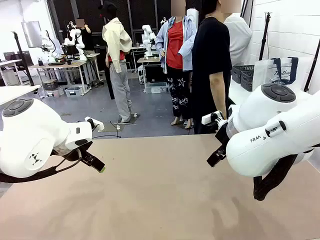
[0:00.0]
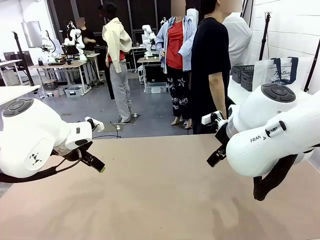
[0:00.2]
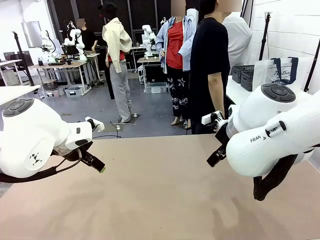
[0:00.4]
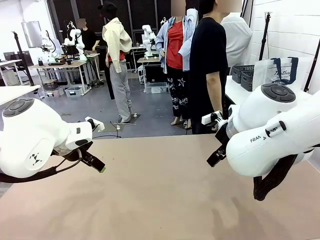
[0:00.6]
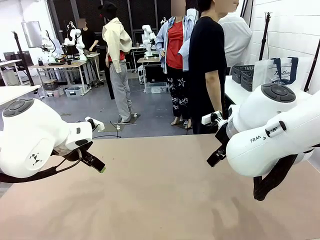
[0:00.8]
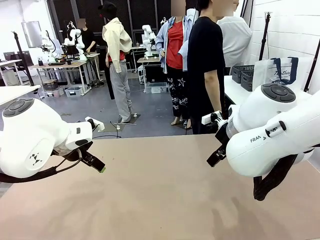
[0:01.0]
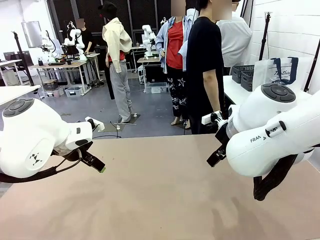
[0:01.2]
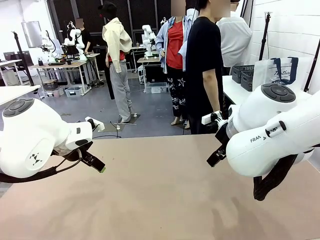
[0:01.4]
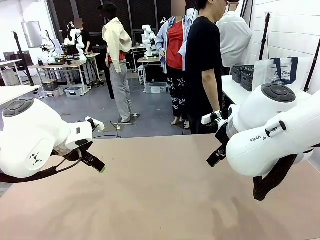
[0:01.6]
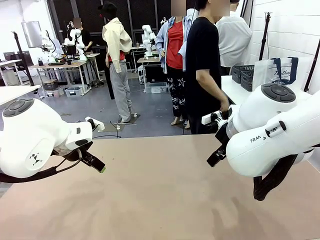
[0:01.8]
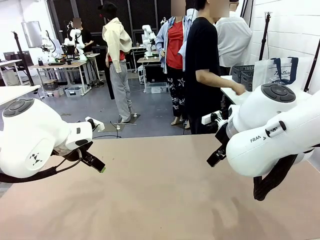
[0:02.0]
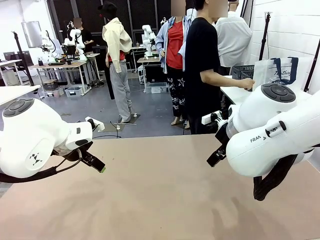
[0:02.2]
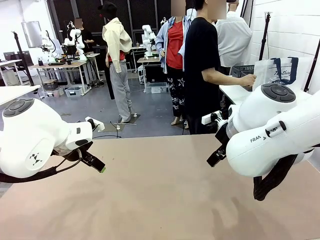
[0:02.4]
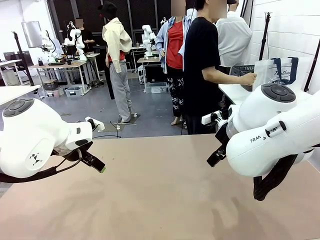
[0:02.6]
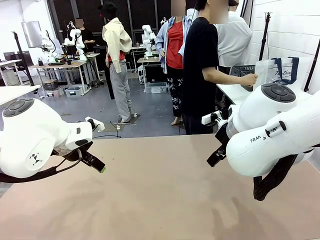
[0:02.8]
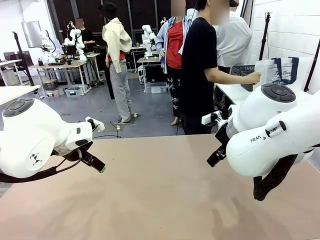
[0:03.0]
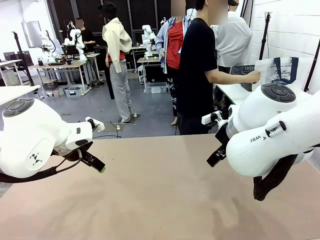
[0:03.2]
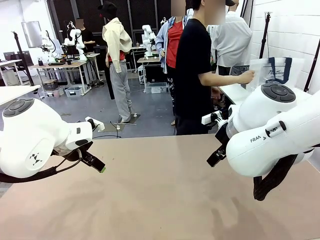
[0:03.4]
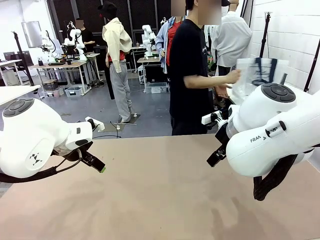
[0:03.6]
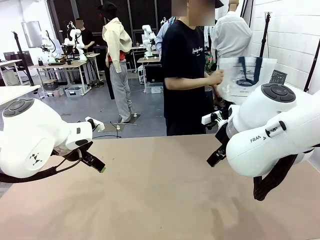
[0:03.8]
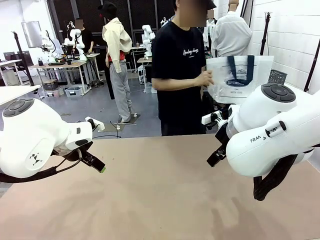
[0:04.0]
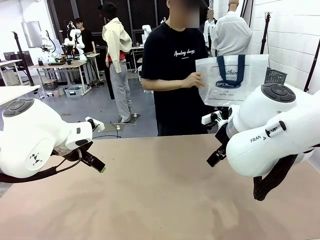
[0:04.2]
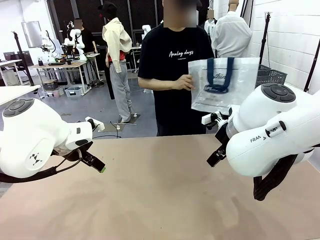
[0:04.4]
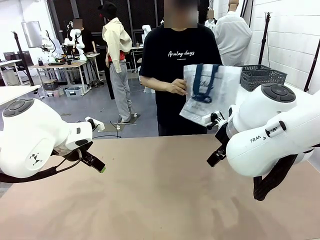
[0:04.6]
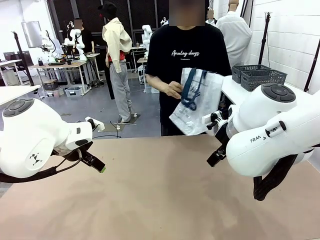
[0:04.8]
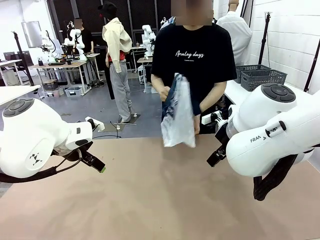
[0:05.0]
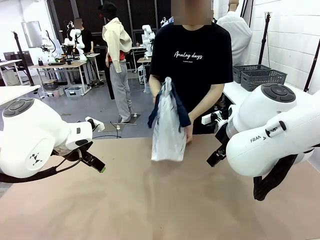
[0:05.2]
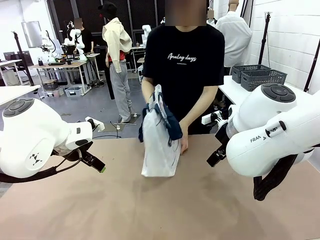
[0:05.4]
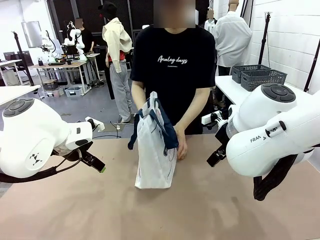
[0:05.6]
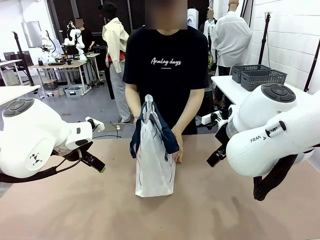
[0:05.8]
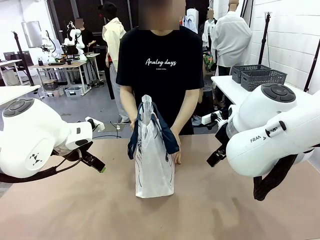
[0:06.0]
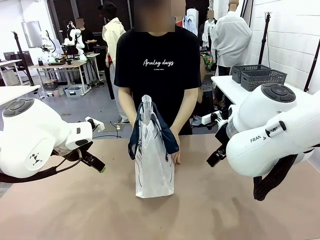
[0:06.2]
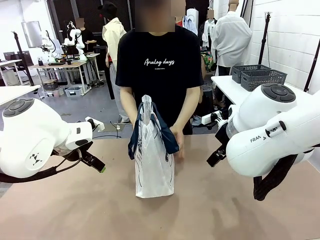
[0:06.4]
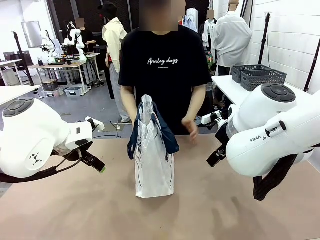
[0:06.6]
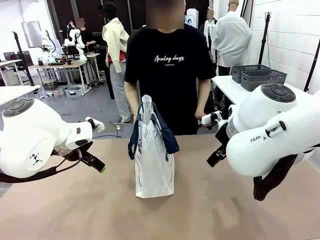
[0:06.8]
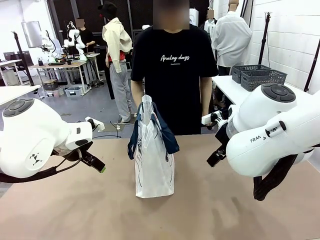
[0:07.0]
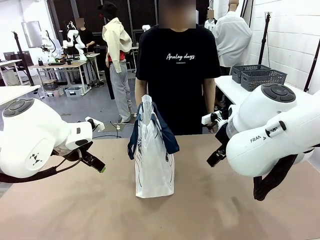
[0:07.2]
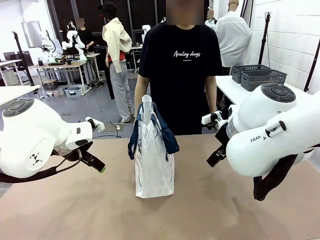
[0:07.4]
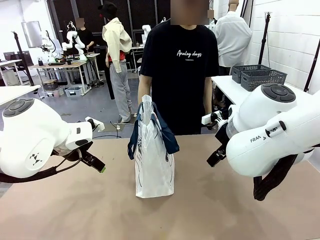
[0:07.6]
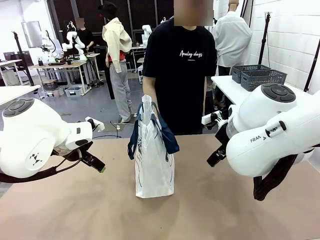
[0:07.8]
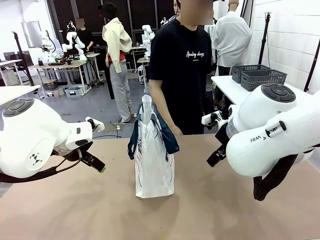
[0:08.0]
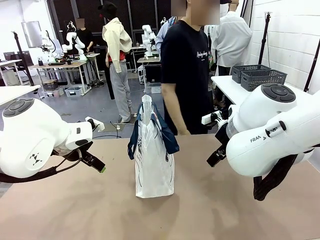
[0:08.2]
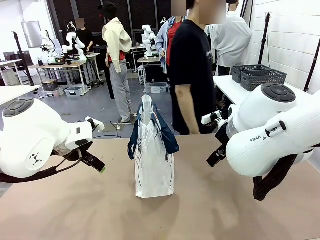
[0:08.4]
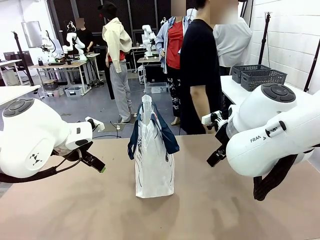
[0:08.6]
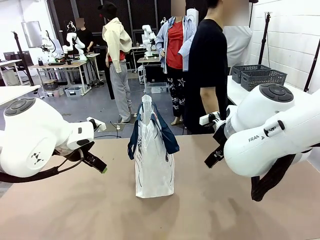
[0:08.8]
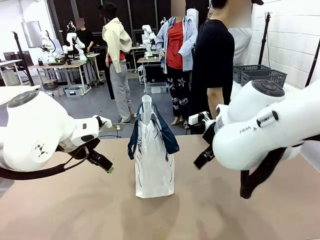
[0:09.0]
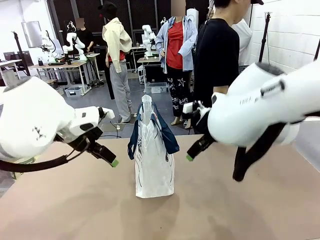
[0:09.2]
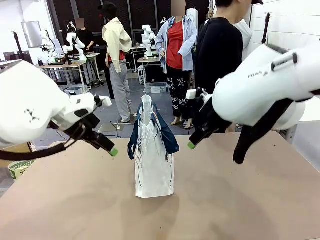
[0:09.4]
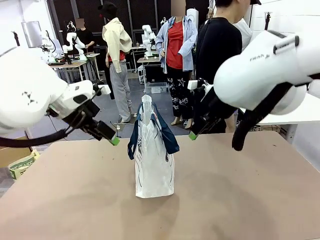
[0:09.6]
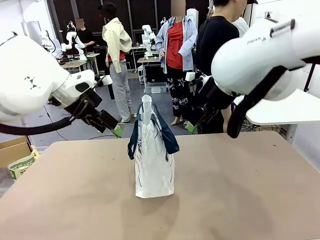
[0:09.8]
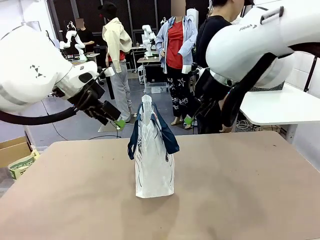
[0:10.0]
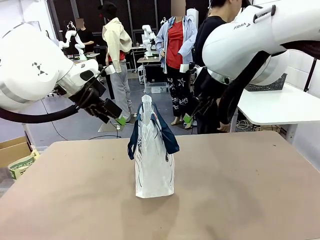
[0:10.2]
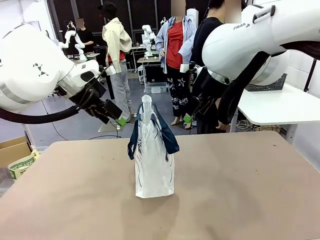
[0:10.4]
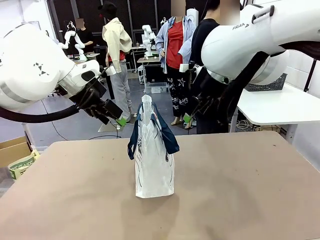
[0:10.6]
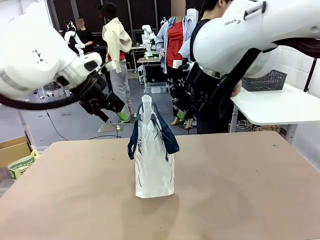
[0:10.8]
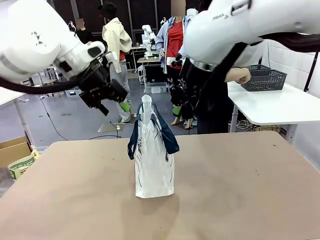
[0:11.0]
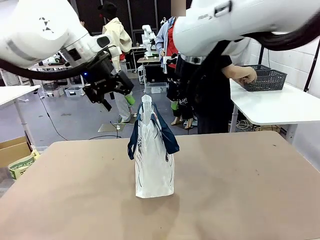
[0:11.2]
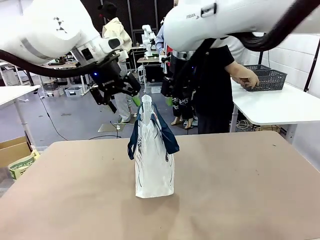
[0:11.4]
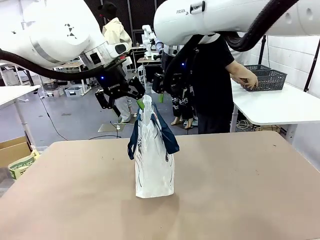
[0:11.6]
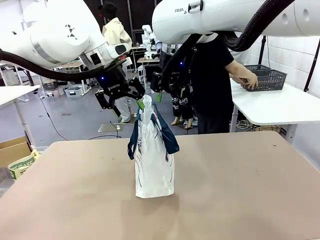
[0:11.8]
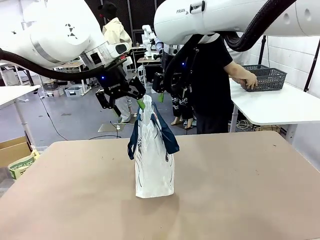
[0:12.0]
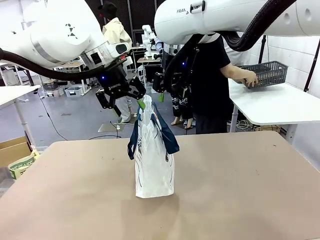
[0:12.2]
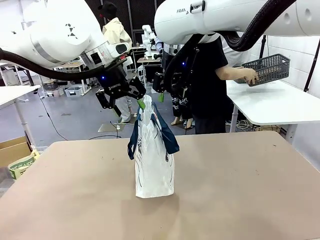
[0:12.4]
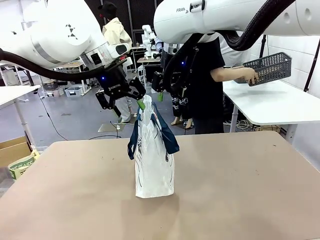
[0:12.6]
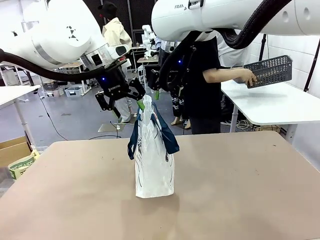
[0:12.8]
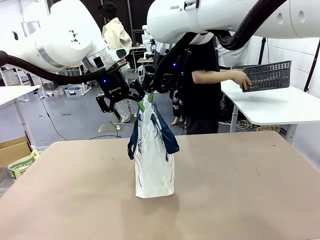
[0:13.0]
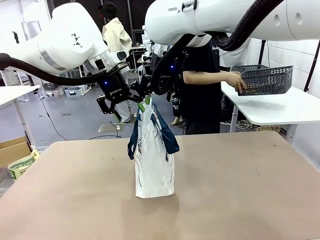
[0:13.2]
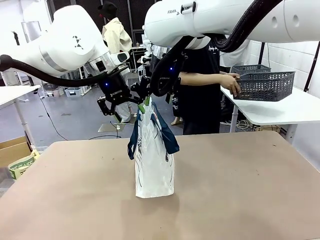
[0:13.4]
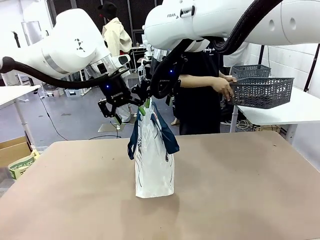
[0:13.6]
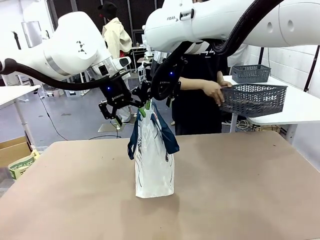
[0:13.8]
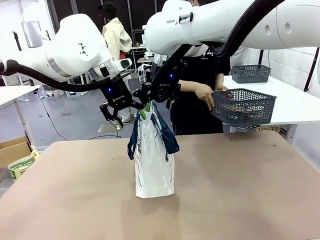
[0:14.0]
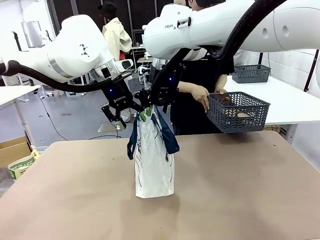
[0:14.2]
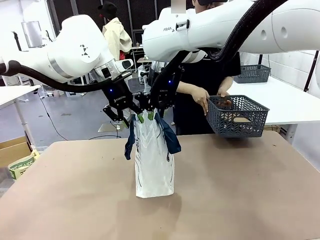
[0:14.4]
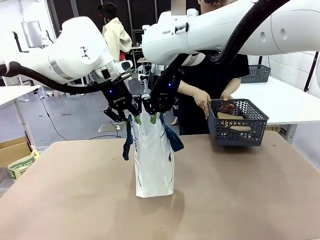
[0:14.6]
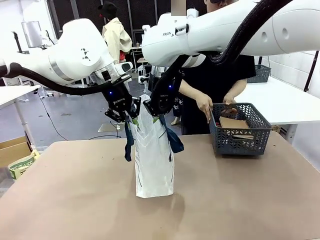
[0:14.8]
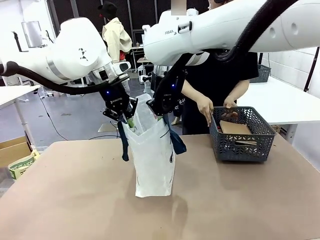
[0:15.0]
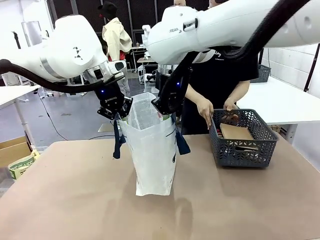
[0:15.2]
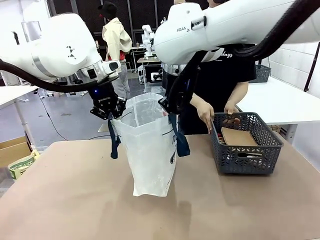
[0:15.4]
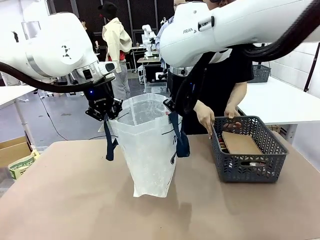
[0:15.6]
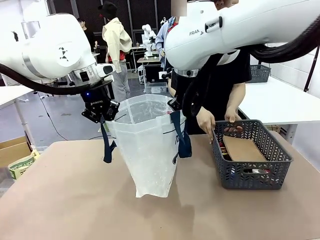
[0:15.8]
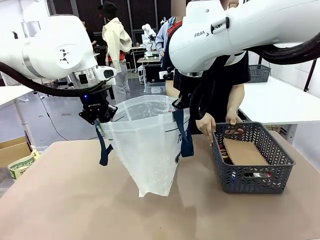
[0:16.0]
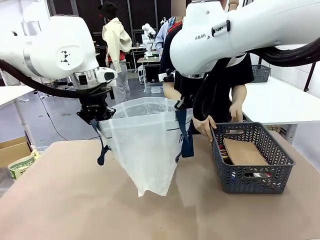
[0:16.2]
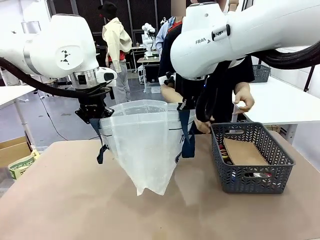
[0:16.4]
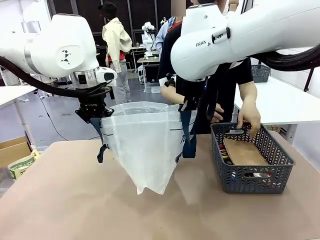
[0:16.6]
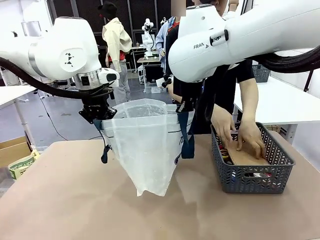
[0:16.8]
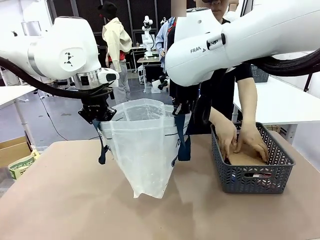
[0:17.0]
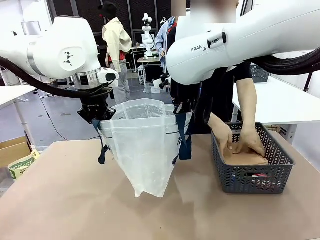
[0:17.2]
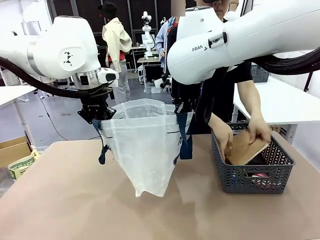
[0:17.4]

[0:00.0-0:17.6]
Task: Transfer purchased items from the store into the shopping bag.
Robot: Open the Reusable shopping bag in the center of the table.
Person: Pick up the shopping bag and place it in the middle of the robot table.
